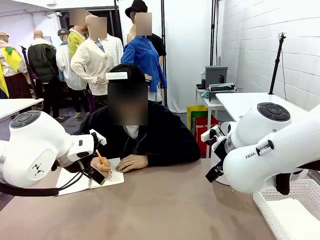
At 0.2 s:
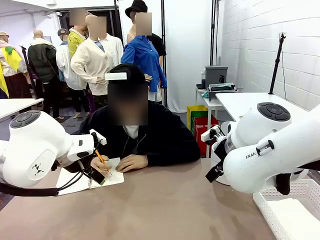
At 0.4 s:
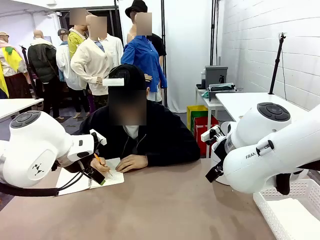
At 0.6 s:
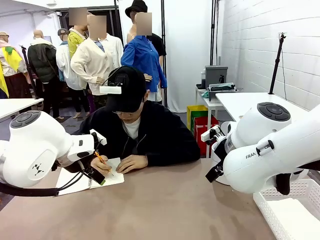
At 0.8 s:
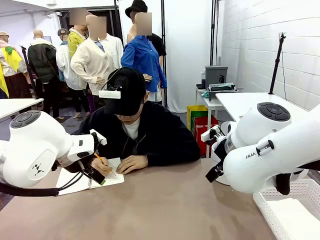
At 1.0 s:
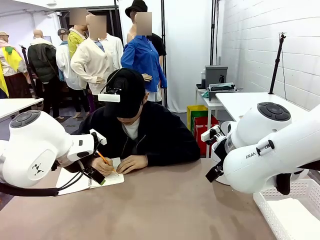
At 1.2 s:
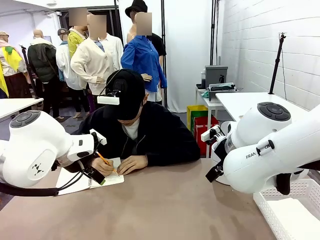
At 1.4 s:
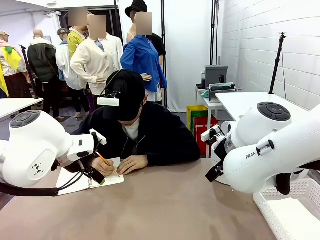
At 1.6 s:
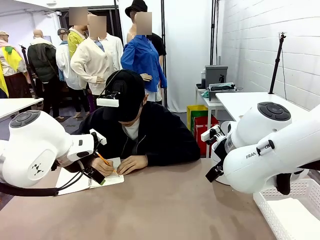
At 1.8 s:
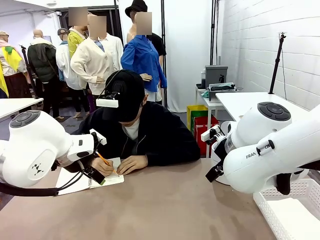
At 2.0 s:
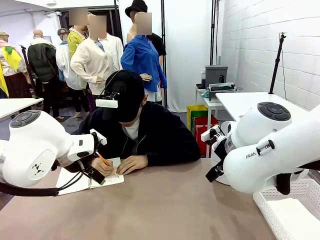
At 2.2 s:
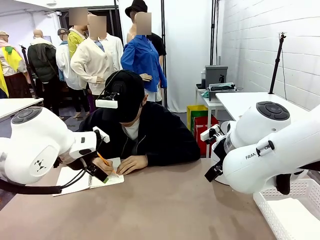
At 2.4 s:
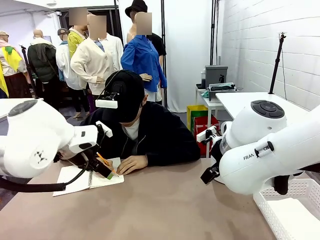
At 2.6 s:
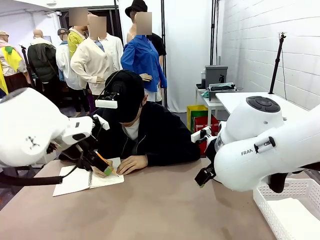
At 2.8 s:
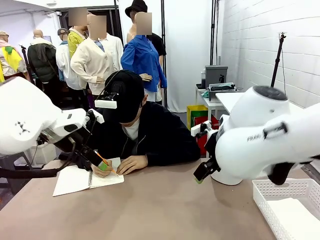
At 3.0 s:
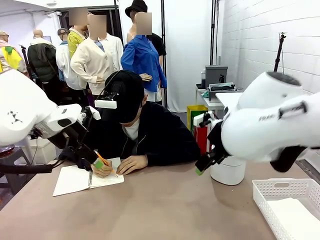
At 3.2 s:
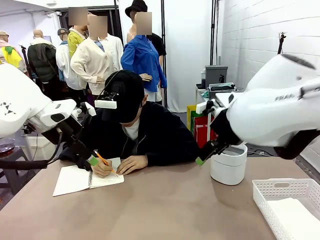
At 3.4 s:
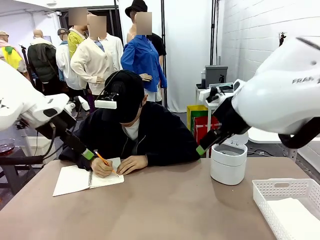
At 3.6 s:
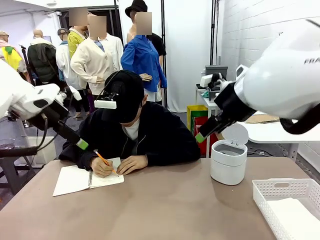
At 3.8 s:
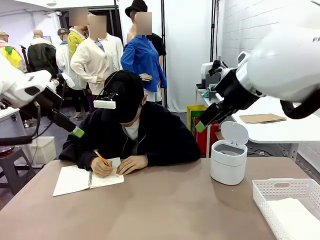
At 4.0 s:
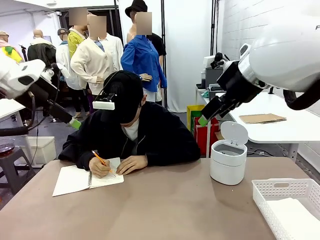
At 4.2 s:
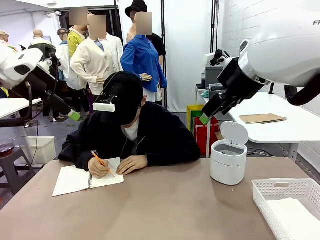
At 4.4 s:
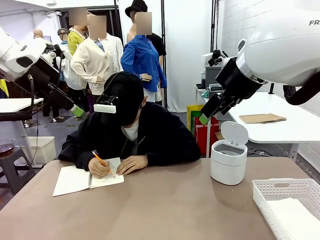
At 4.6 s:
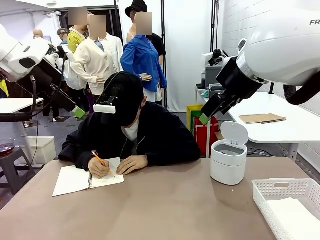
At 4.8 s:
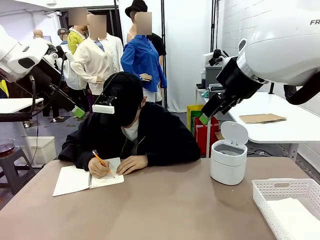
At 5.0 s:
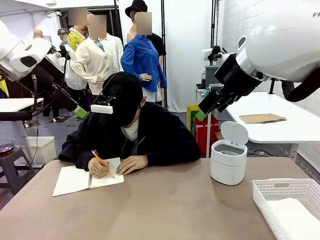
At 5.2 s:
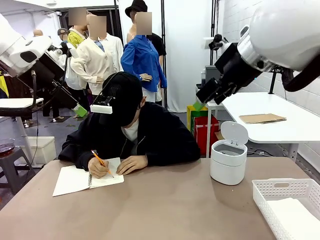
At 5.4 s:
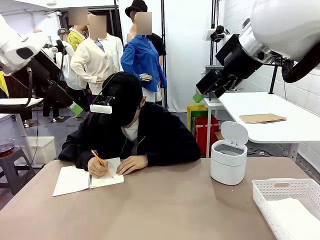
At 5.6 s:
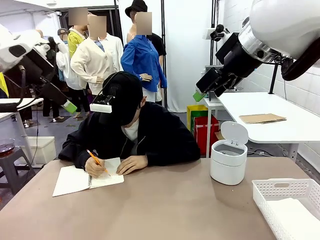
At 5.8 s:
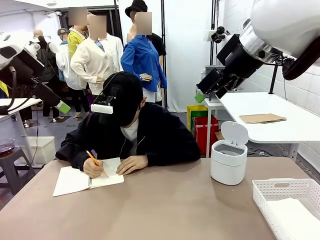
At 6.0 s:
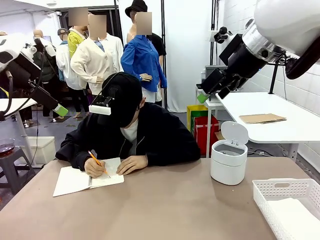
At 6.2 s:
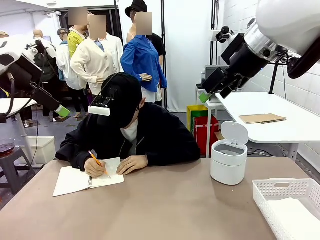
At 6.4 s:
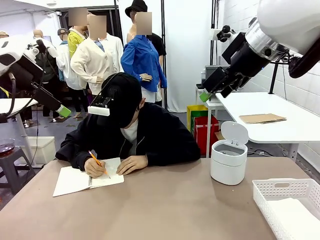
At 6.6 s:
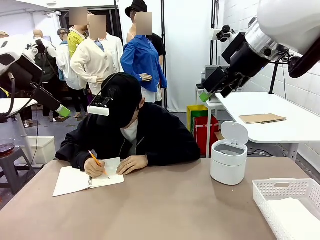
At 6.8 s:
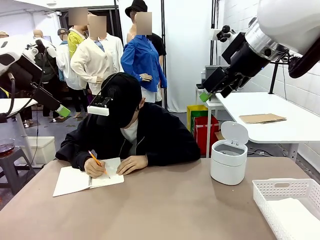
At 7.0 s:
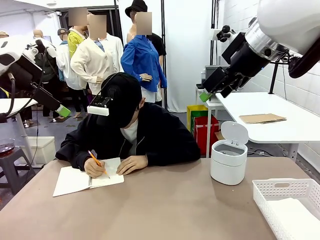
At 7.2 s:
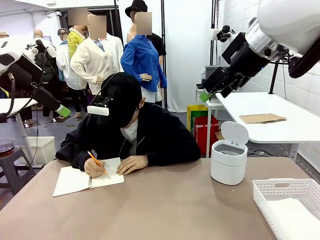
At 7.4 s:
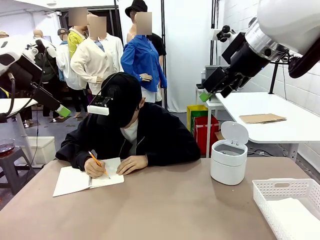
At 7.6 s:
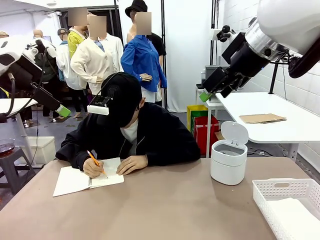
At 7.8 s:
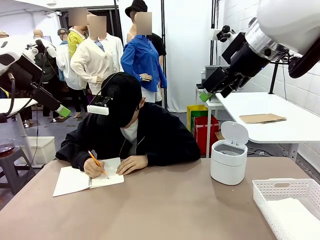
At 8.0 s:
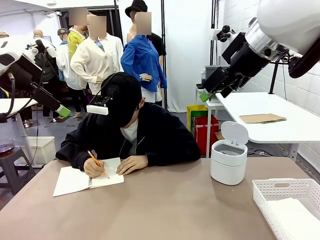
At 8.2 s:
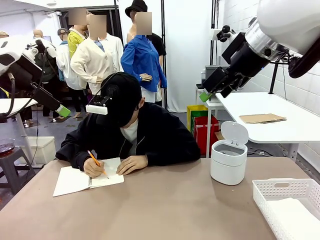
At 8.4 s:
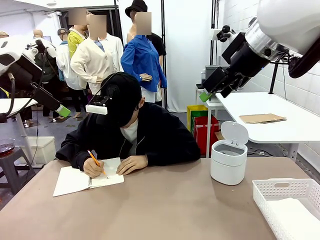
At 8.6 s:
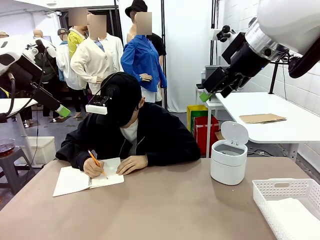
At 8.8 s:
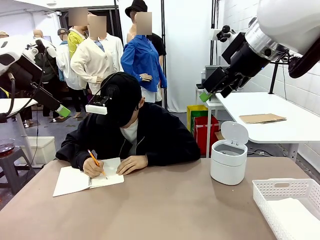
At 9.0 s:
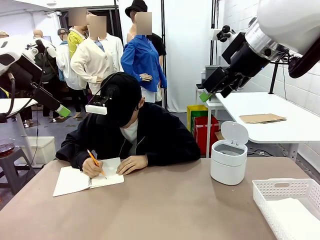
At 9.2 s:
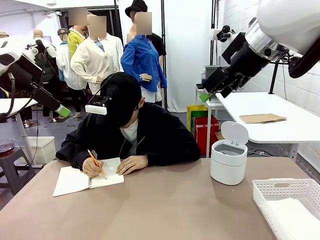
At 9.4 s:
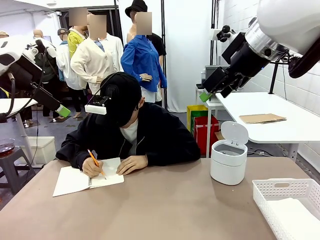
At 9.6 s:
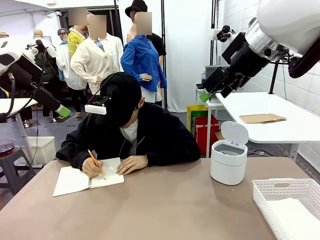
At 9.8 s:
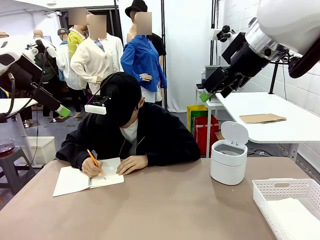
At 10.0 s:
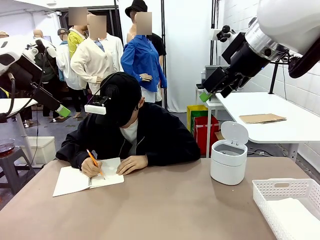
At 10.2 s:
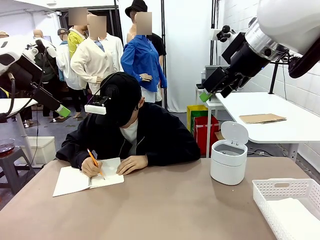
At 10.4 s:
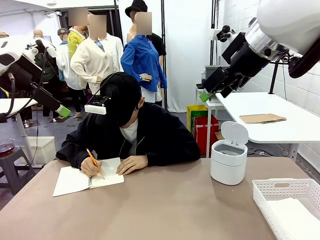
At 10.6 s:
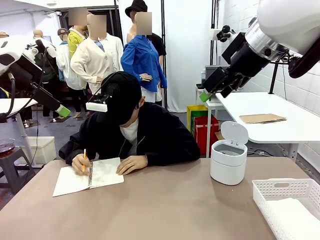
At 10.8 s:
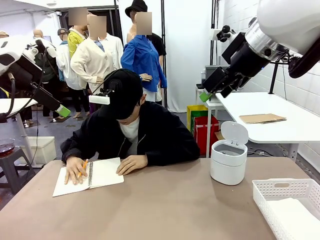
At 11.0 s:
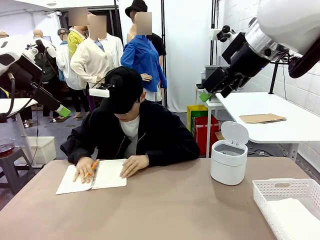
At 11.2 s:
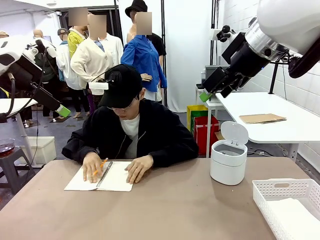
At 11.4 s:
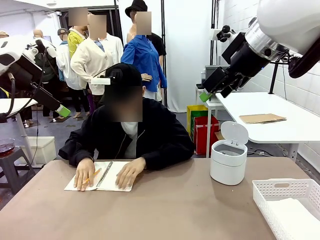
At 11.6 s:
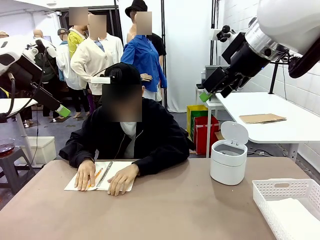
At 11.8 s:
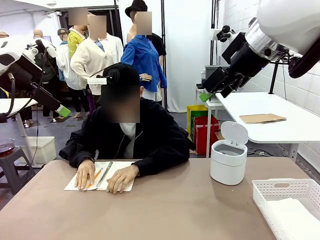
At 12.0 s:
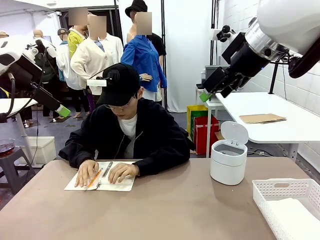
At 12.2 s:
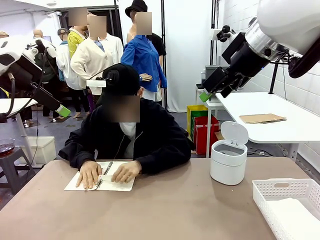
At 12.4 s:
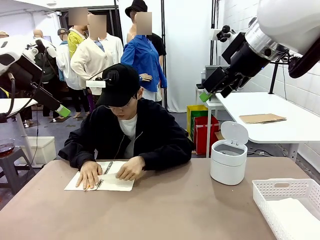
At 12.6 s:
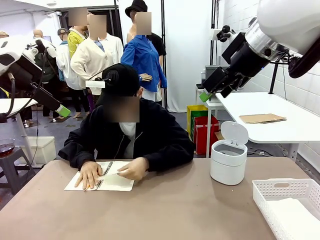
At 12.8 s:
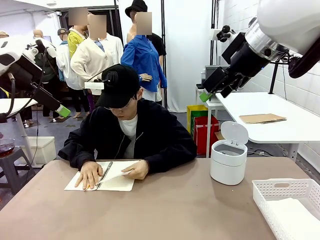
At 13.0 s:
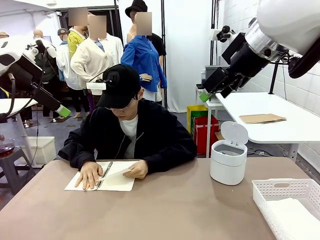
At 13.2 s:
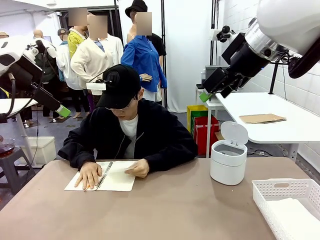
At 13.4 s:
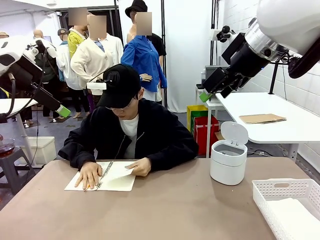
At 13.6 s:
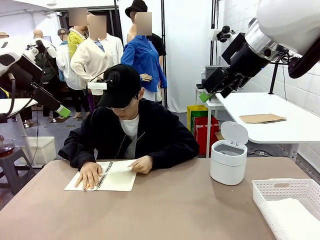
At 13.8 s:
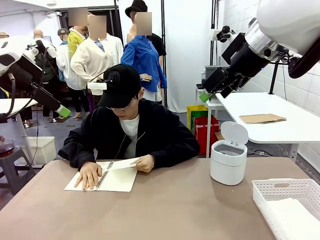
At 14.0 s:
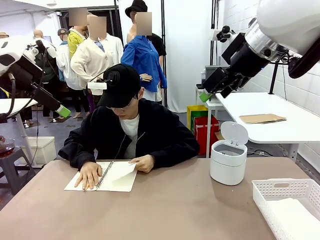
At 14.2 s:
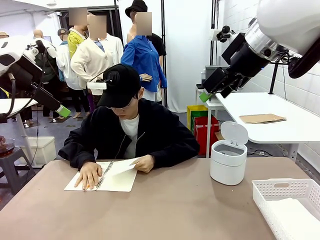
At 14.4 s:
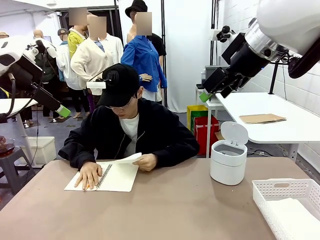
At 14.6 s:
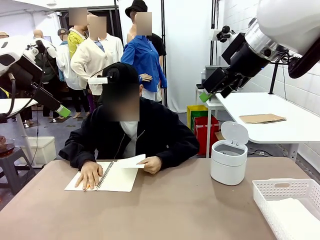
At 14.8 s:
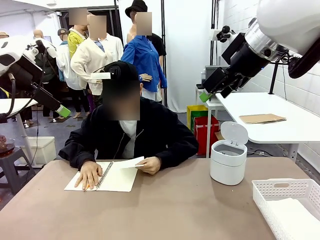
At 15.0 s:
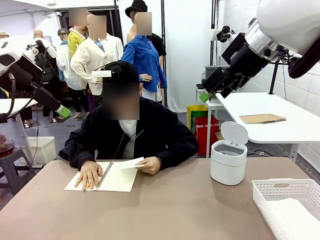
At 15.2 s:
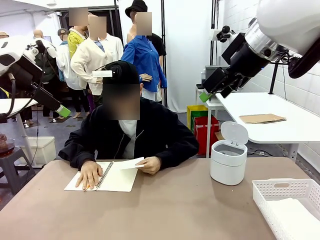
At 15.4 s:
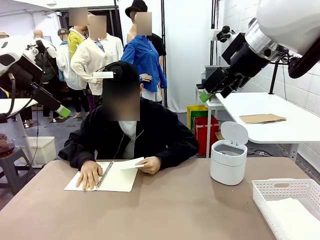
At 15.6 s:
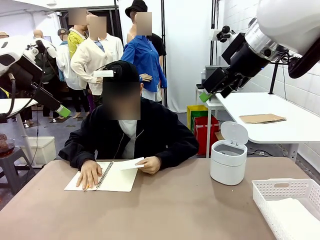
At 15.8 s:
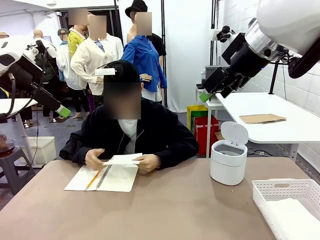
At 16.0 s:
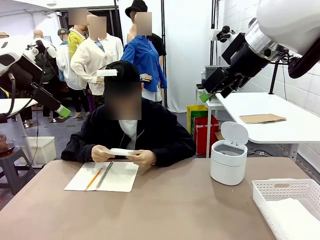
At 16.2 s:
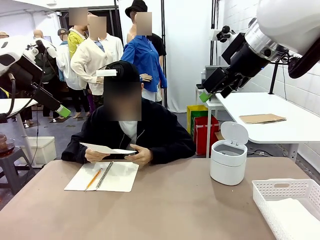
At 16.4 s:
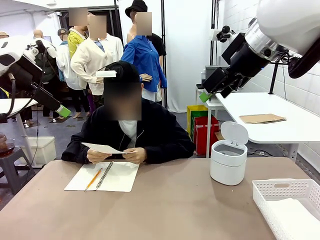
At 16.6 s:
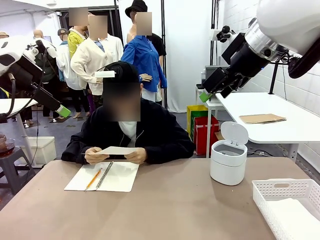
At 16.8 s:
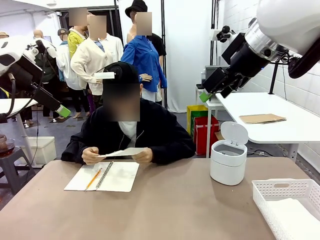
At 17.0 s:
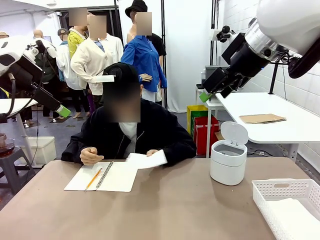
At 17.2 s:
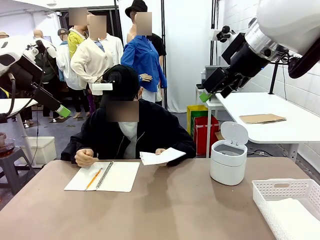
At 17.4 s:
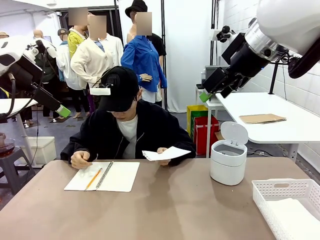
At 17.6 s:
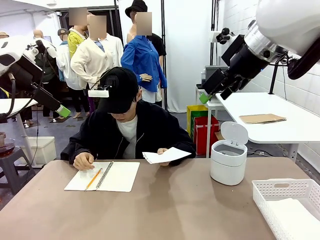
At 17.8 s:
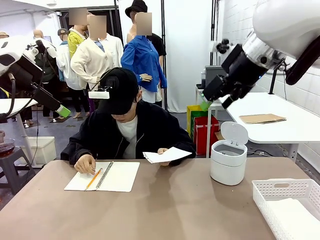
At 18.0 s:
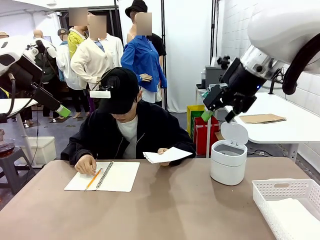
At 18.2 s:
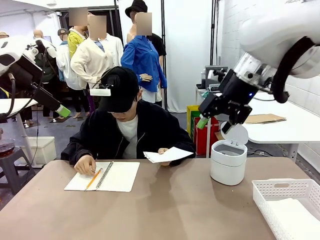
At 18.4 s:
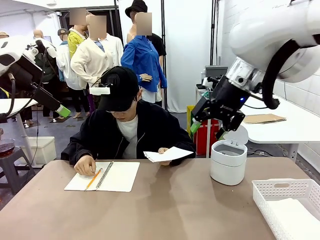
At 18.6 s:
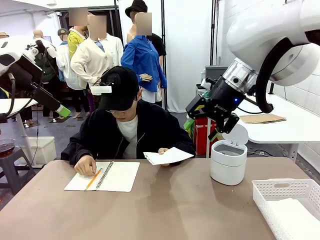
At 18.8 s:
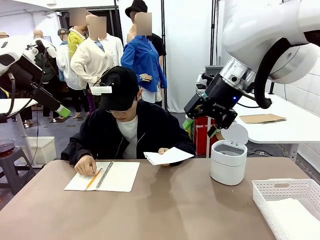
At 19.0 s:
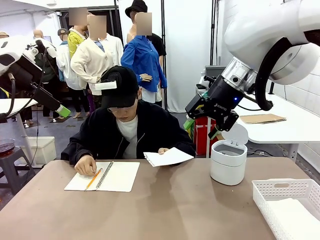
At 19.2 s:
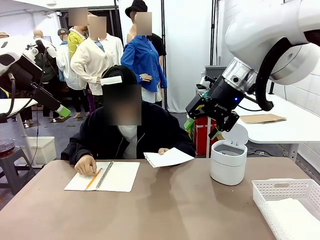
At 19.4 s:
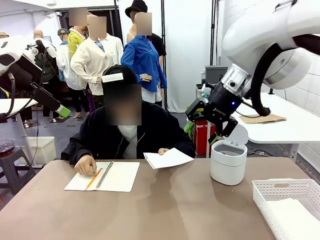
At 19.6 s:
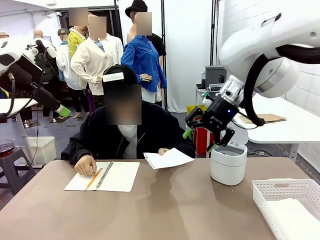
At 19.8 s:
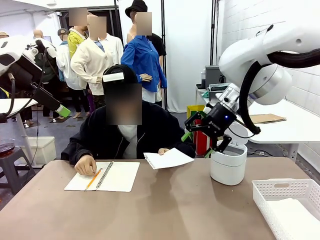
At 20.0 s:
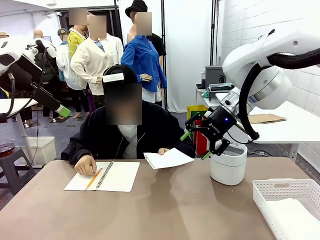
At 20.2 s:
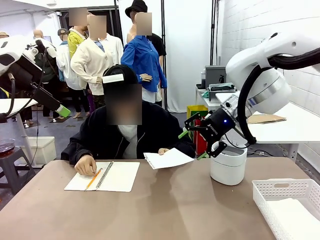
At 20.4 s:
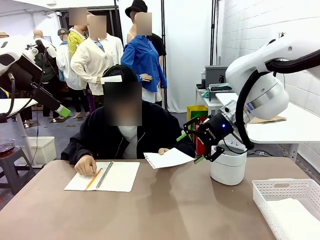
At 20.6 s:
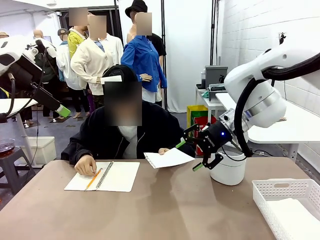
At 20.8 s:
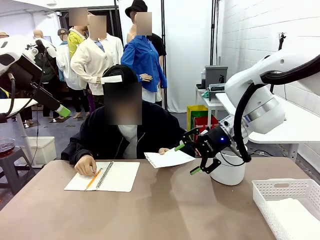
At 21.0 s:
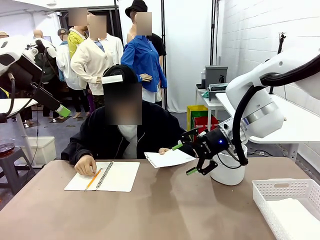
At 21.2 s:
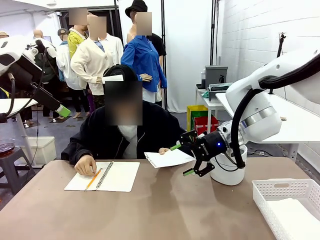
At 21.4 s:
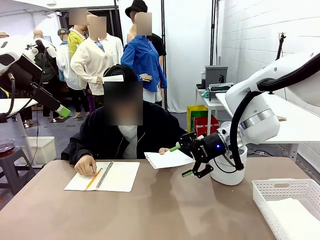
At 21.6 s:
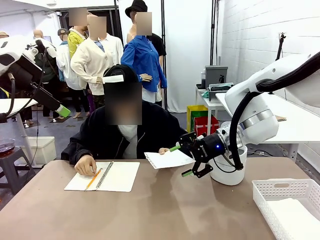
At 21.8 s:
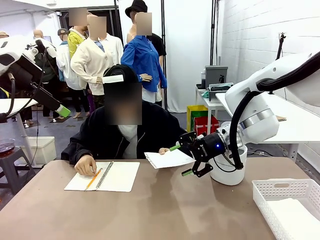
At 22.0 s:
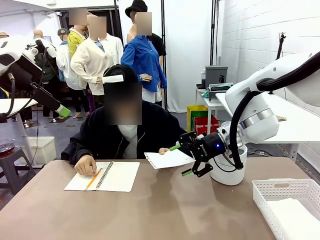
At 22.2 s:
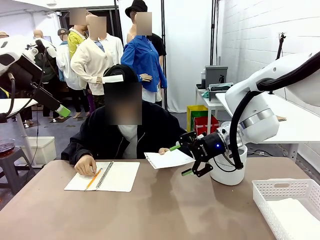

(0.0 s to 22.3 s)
Task: Sort the paper based on its condition.
Robot: If a person hands you a paper, place it in the Organizing basket , and if it's crumpled, put it in the Trash can.
Person: Tear out a page from the spiral notebook. Hand the torn page to the robot or crumple it and throw it to the center of the table.
